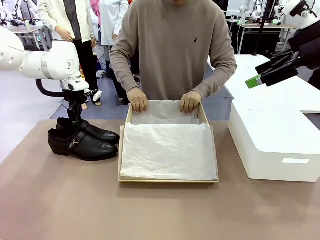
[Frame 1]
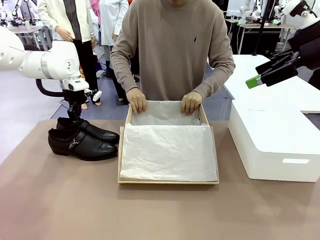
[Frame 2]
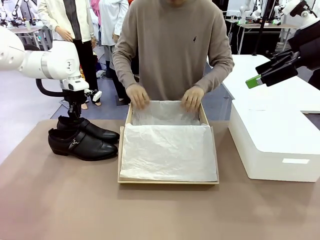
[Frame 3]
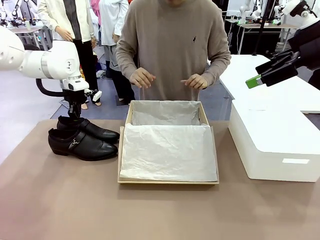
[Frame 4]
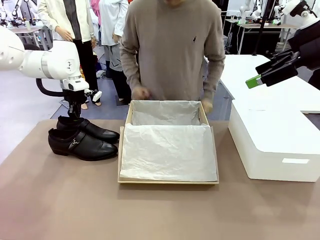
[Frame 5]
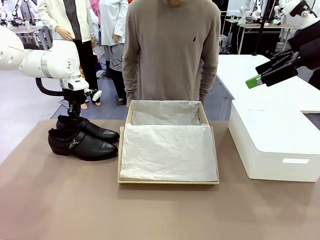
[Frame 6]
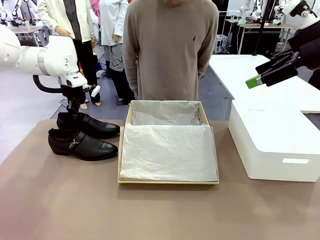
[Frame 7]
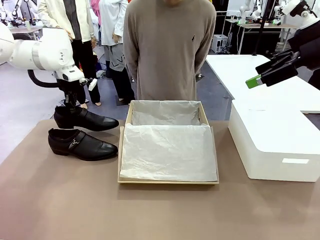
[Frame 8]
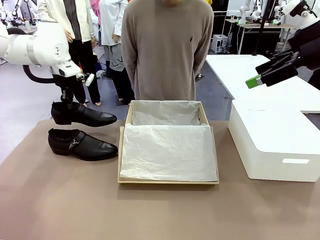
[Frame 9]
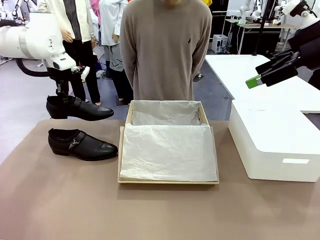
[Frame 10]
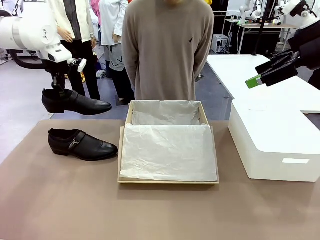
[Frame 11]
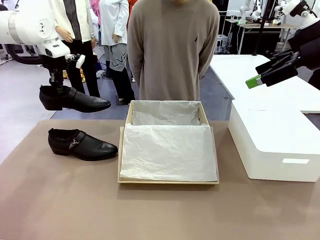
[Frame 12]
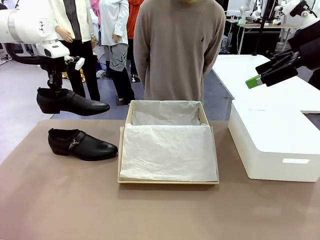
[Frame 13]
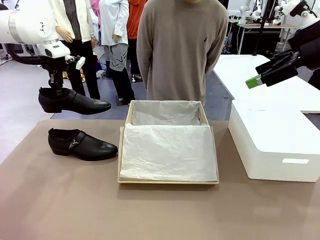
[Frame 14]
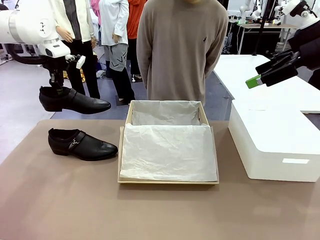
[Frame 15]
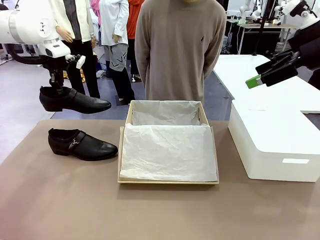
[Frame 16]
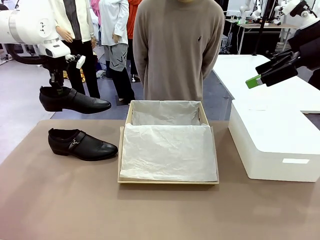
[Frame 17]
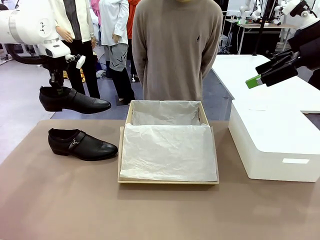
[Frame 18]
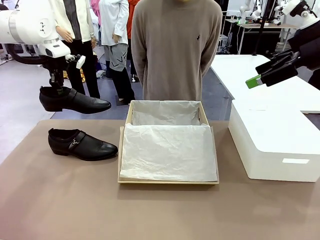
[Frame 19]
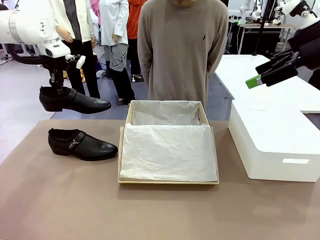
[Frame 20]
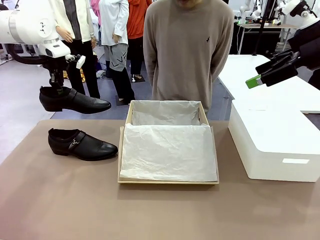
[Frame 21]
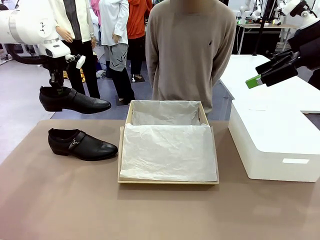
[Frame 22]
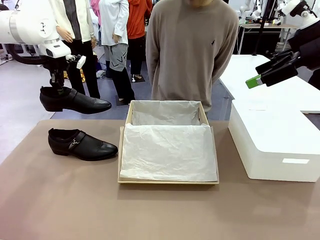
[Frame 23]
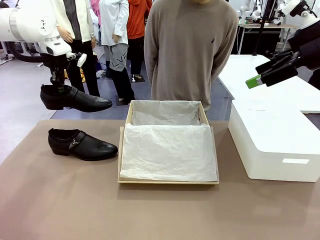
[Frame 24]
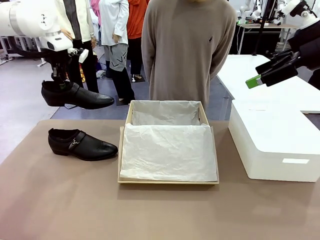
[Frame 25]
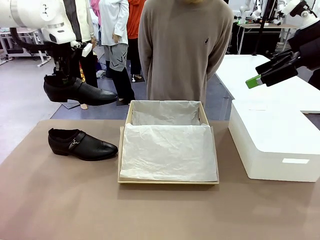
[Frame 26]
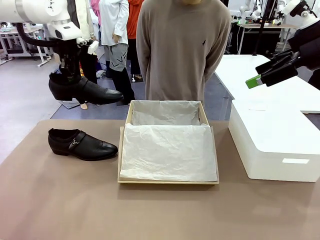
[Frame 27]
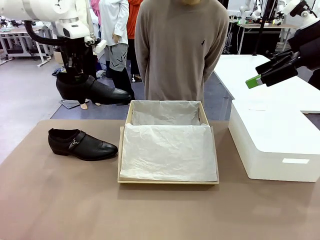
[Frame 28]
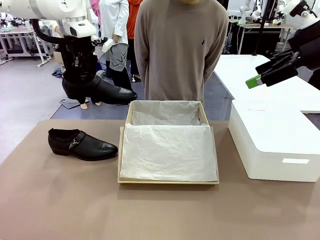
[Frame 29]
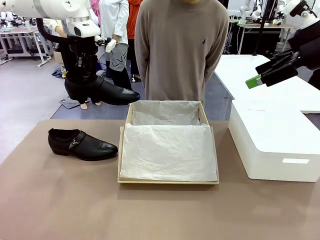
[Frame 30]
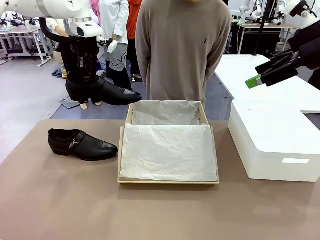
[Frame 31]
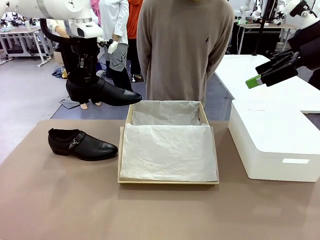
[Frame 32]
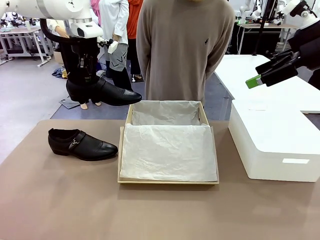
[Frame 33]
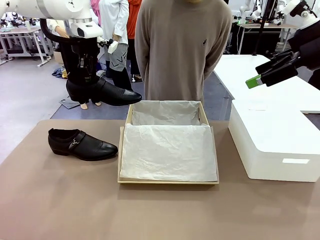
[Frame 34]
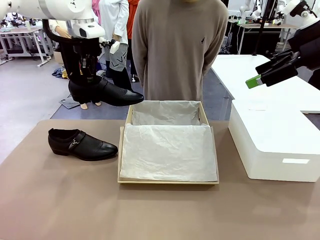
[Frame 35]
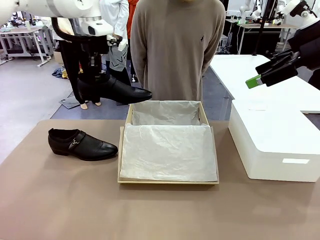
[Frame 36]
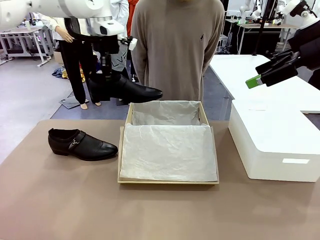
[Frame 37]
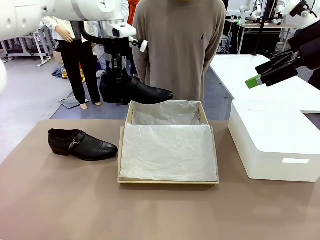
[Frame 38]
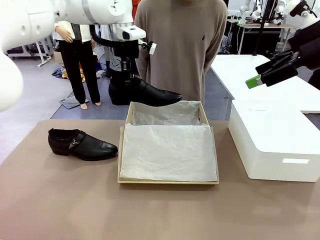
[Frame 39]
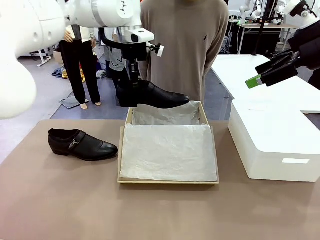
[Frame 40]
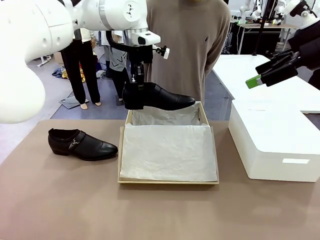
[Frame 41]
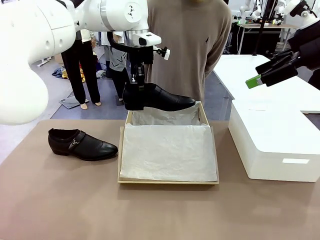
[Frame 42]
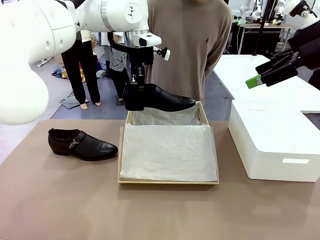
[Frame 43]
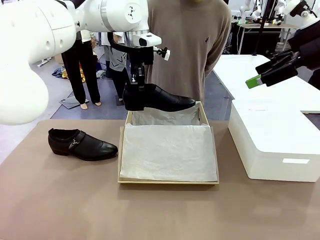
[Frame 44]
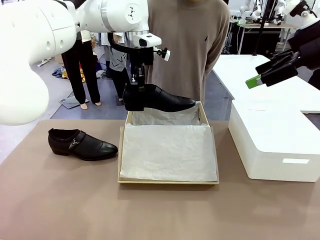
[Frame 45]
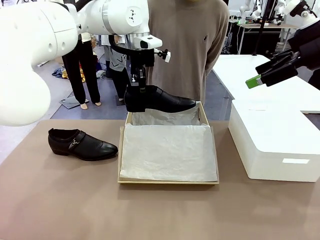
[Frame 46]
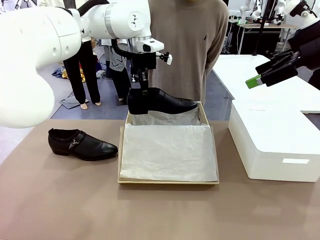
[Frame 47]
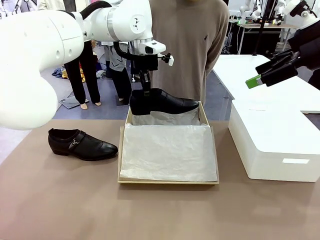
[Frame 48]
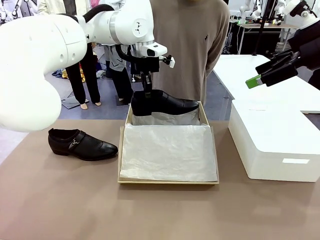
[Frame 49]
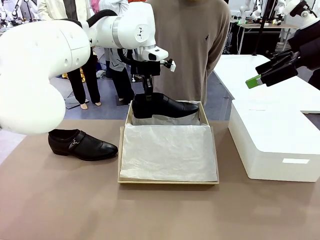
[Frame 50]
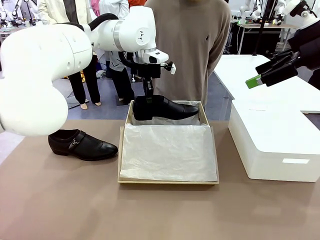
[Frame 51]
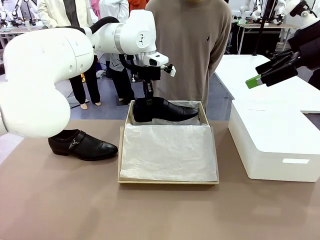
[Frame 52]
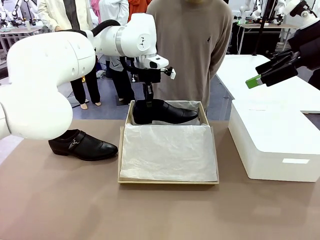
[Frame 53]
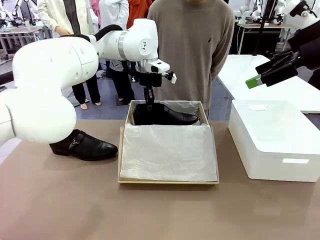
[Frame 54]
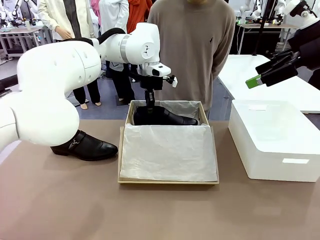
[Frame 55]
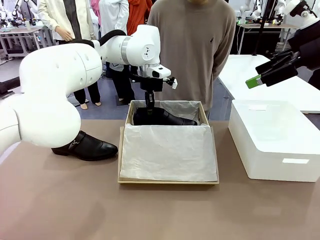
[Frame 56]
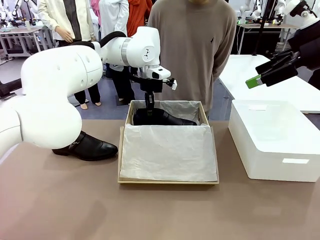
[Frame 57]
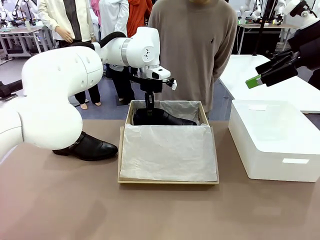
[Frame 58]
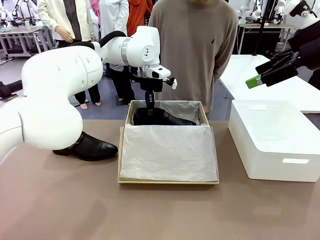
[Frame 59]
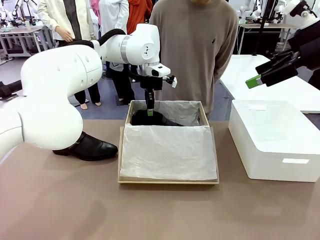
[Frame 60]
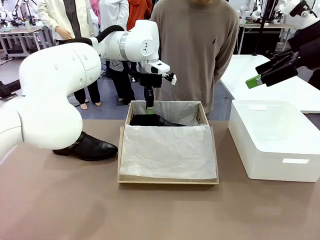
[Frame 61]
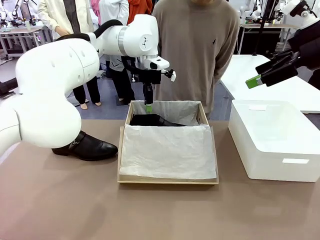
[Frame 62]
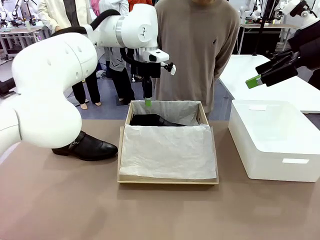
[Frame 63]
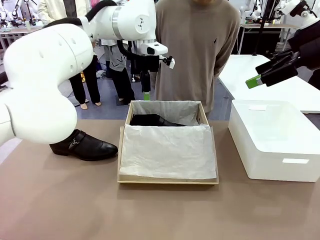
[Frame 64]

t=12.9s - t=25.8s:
Task: Pack the shoes into the box.
Robot: Place one shoe of the Shoes into the Shoes Box.

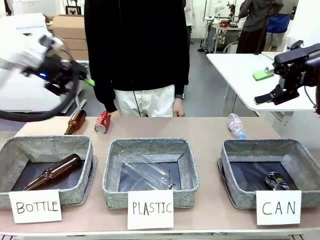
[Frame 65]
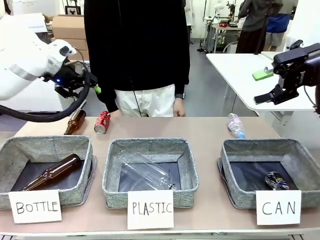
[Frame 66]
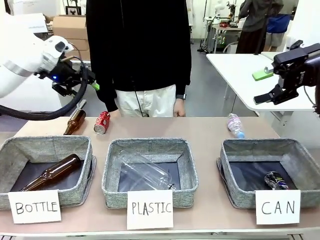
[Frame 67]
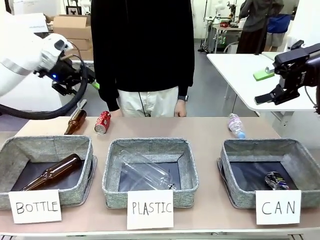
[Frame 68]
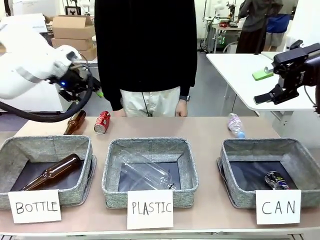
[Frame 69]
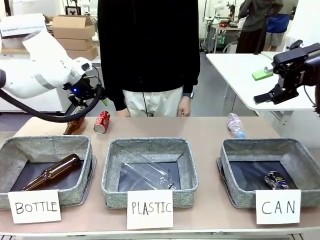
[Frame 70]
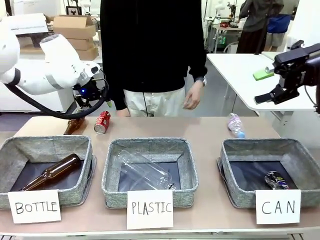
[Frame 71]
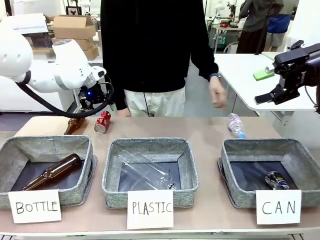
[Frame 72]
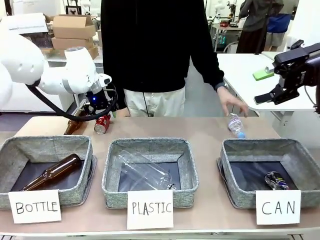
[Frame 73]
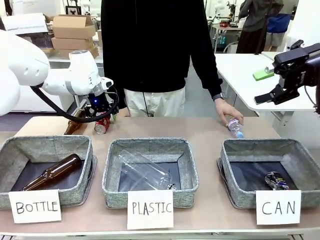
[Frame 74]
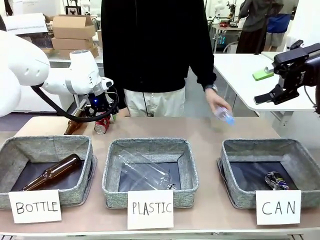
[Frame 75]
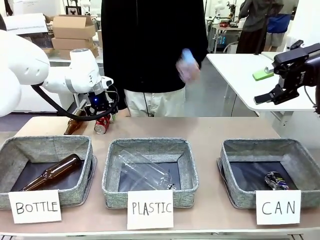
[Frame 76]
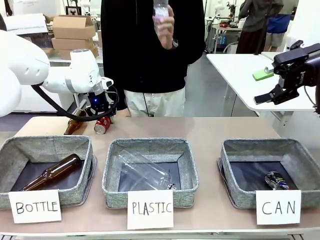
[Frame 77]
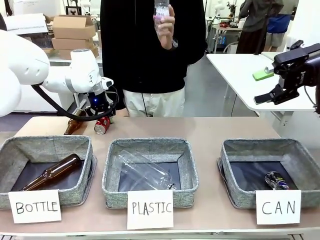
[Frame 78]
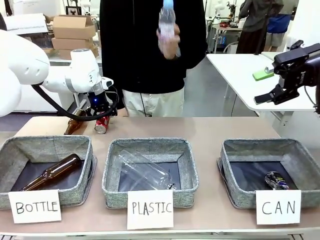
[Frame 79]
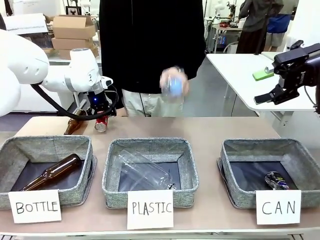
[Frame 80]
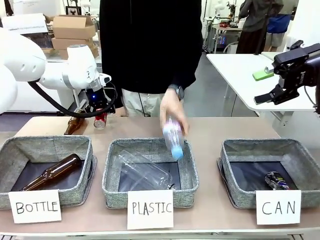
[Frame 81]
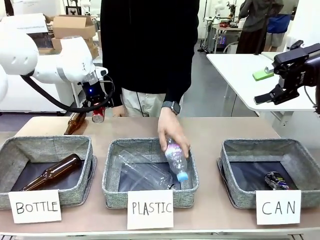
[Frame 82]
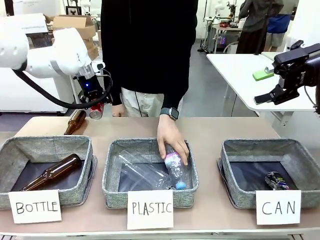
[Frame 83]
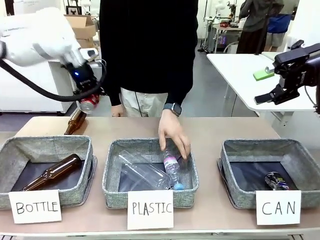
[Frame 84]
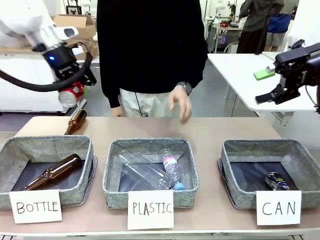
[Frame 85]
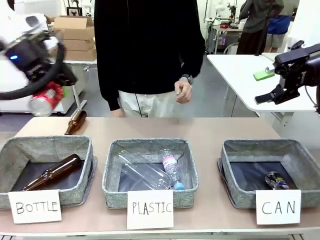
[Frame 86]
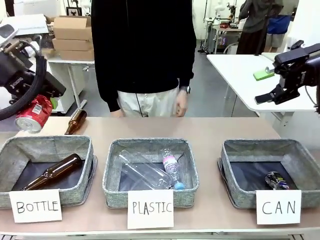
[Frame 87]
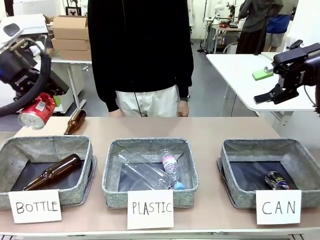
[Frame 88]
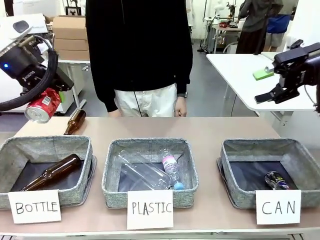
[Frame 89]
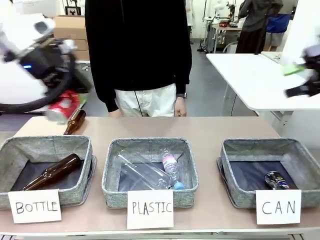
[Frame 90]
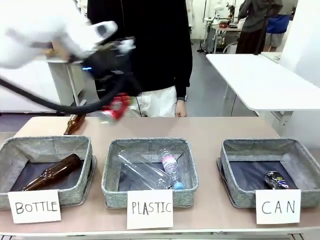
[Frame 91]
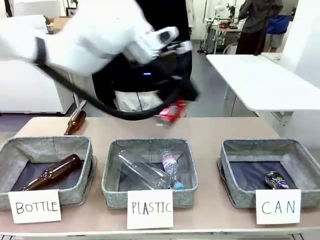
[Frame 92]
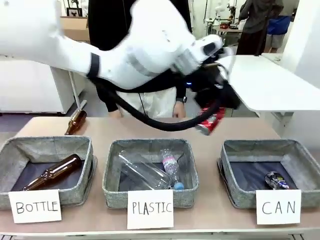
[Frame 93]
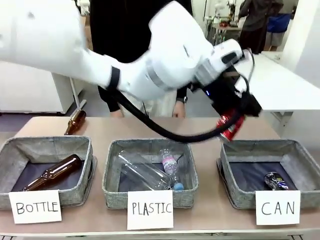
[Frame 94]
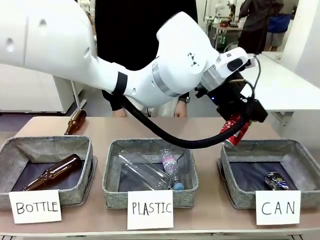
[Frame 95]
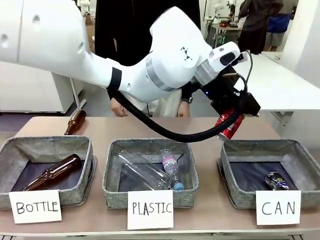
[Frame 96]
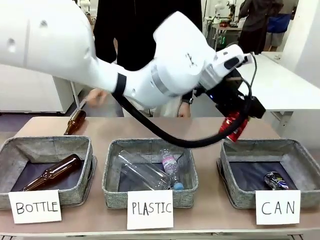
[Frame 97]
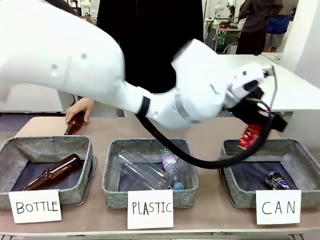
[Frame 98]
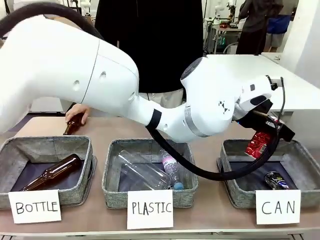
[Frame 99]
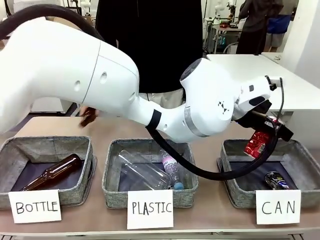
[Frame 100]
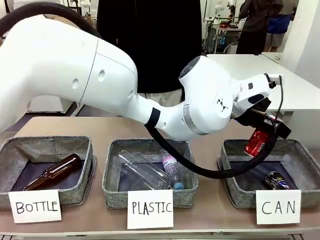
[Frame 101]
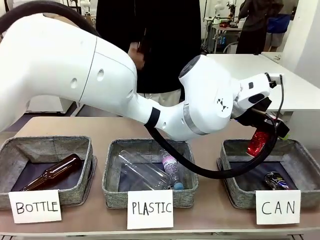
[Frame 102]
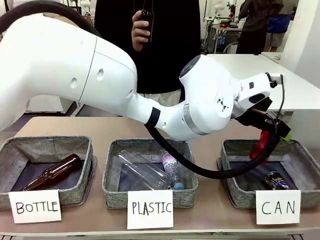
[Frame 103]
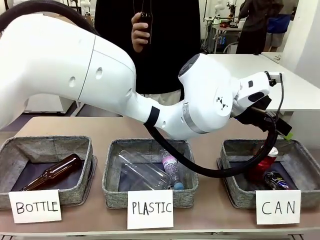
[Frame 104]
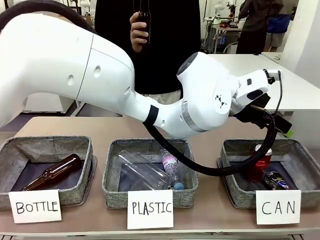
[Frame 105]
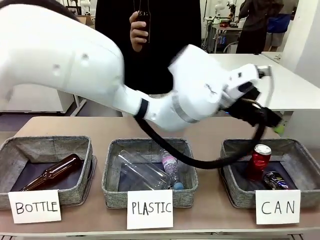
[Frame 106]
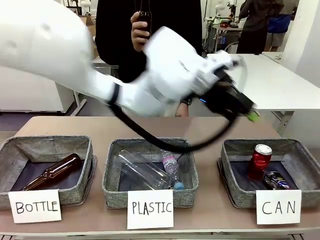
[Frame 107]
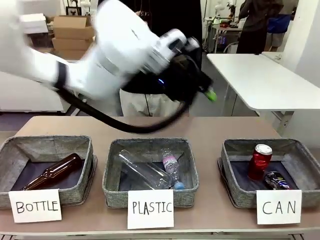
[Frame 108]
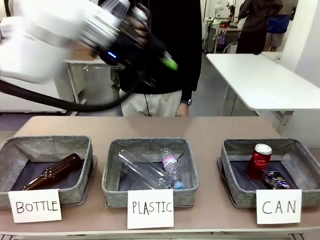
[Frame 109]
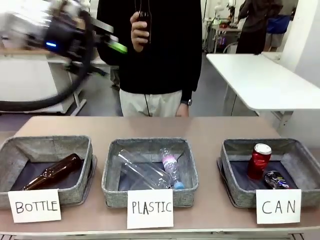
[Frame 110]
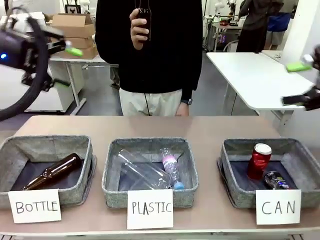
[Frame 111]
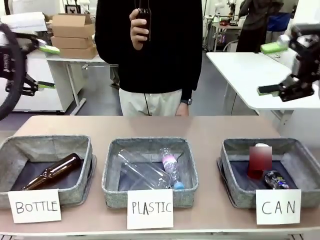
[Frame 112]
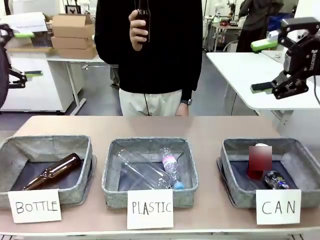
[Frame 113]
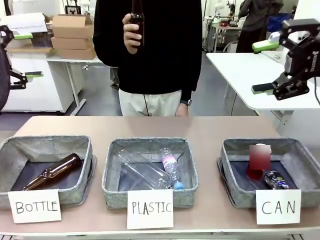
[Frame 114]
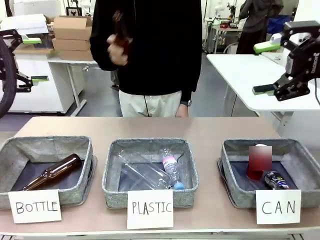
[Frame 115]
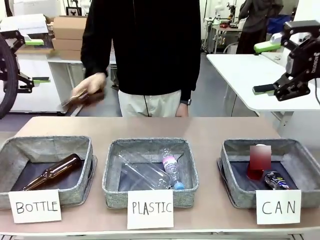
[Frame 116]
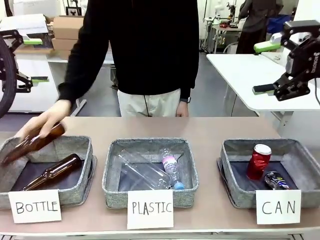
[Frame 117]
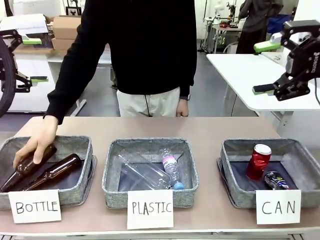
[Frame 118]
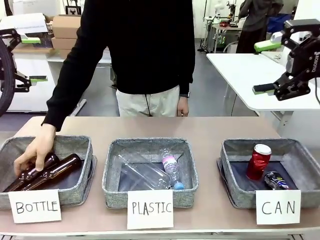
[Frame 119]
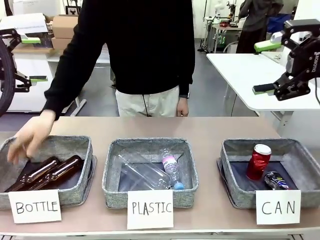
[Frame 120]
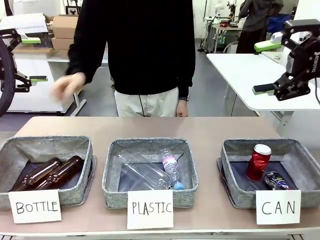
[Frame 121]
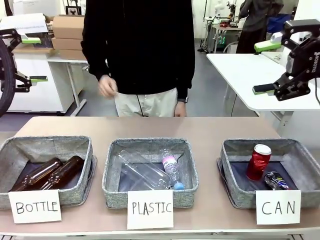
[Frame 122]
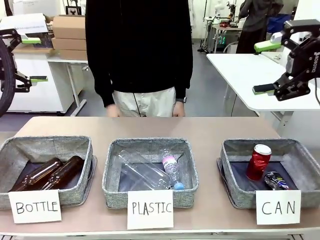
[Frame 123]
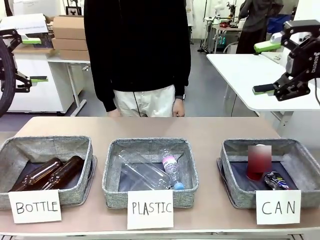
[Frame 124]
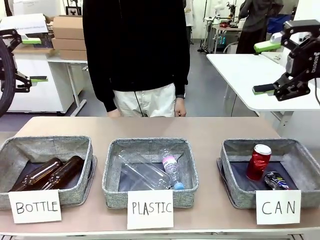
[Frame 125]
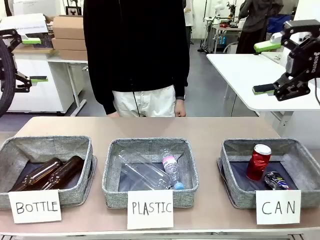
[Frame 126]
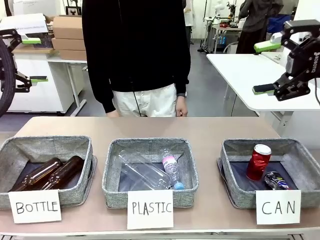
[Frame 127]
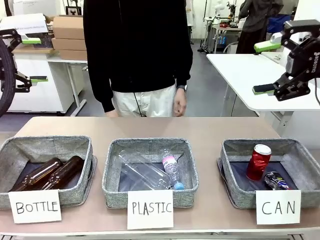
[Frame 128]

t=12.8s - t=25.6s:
Task: Sort the can waste into the basket.
Robot: Pick up the can waste from the table and place it in the right Fabric basket.
